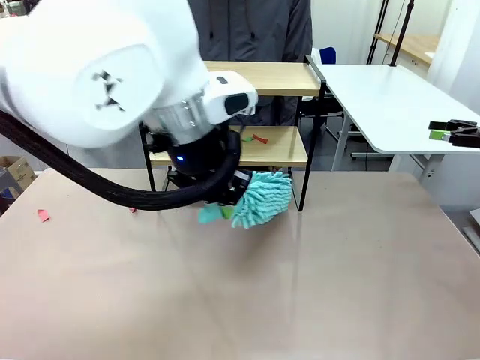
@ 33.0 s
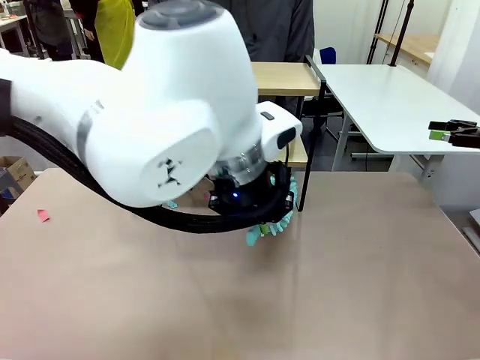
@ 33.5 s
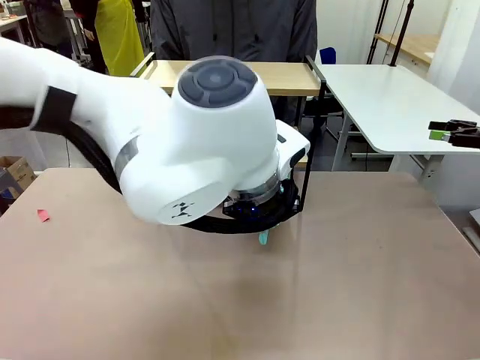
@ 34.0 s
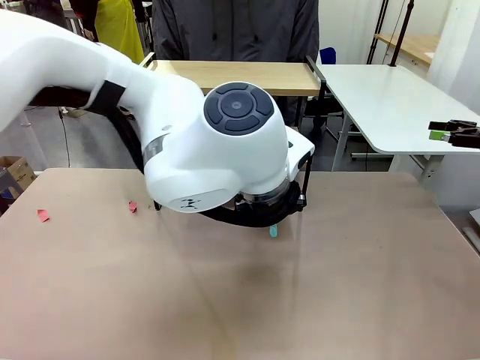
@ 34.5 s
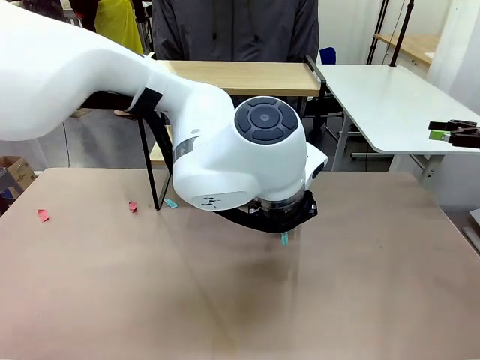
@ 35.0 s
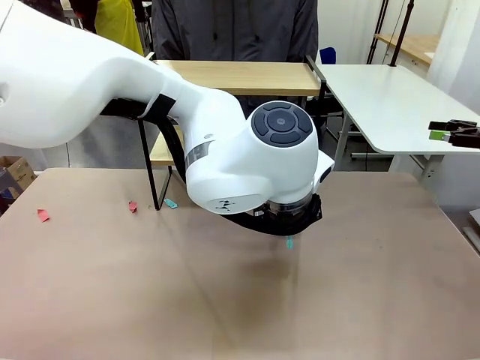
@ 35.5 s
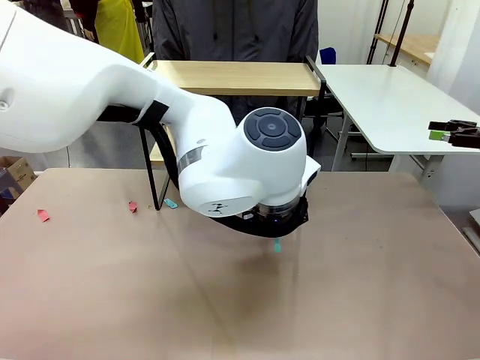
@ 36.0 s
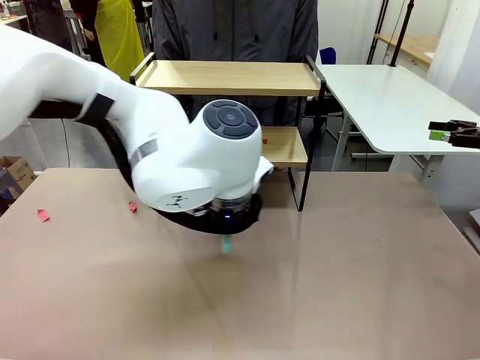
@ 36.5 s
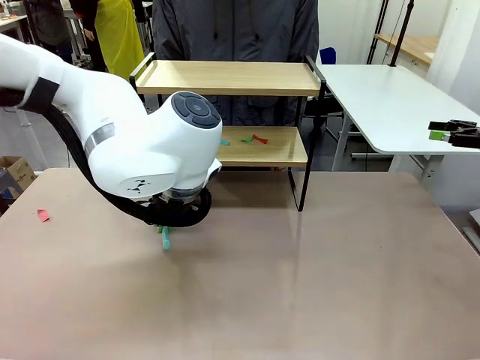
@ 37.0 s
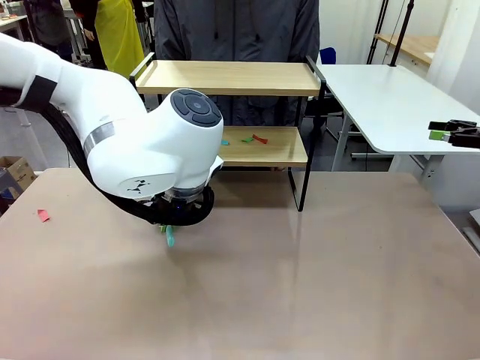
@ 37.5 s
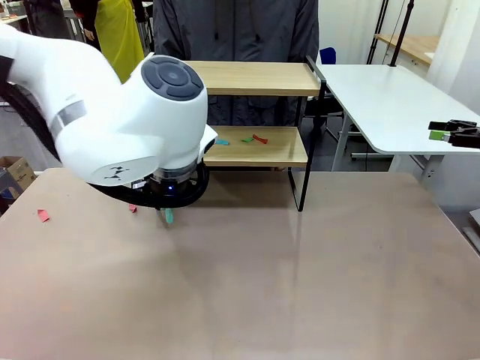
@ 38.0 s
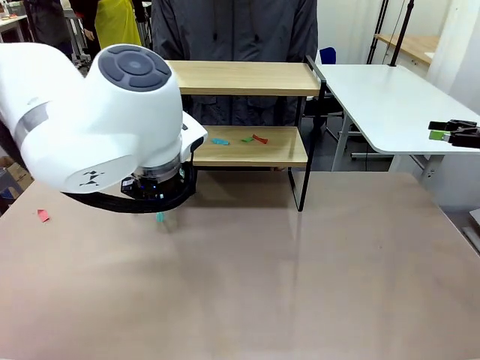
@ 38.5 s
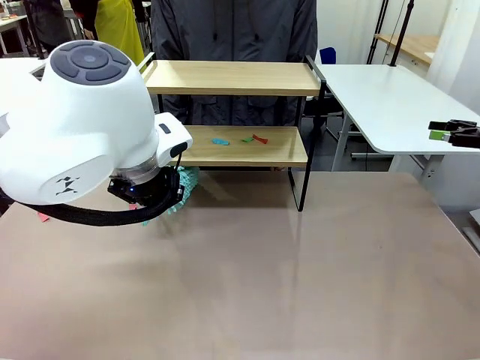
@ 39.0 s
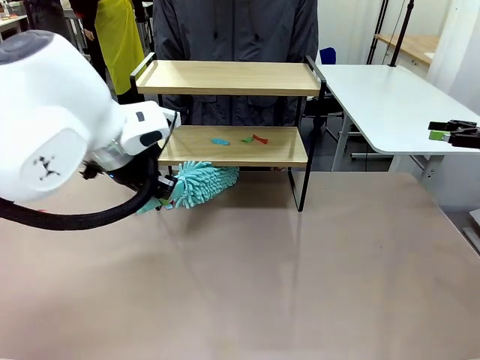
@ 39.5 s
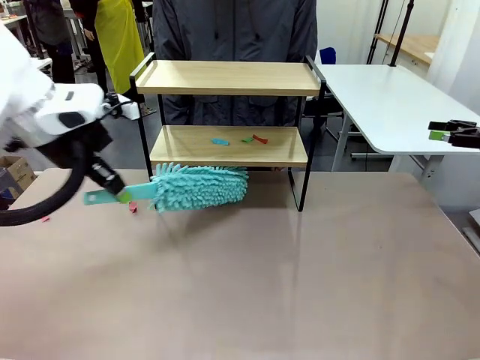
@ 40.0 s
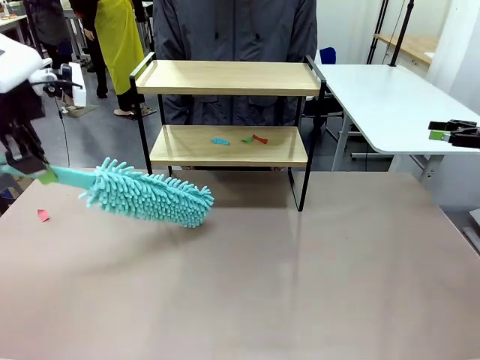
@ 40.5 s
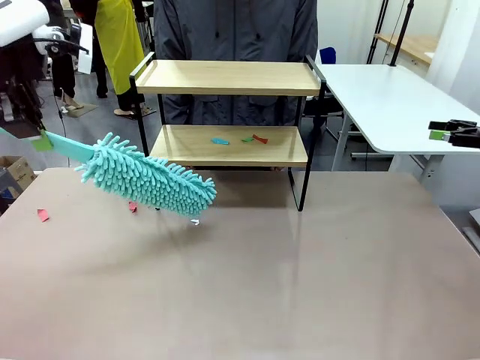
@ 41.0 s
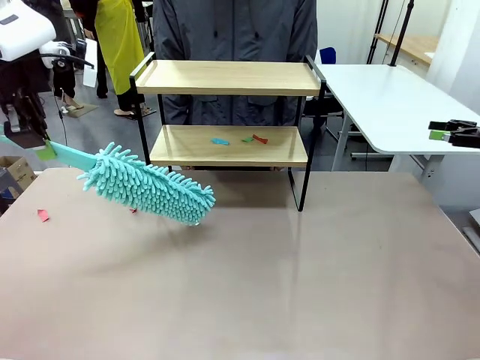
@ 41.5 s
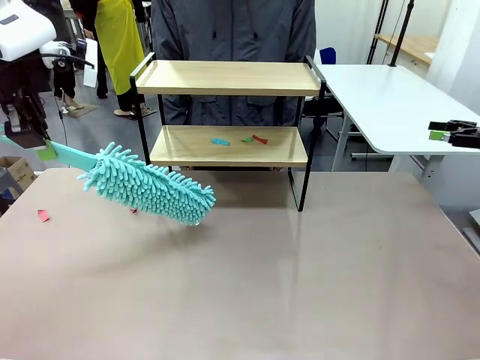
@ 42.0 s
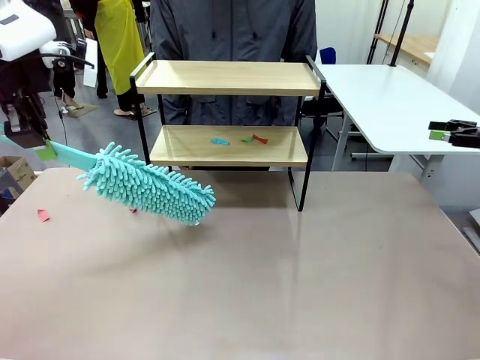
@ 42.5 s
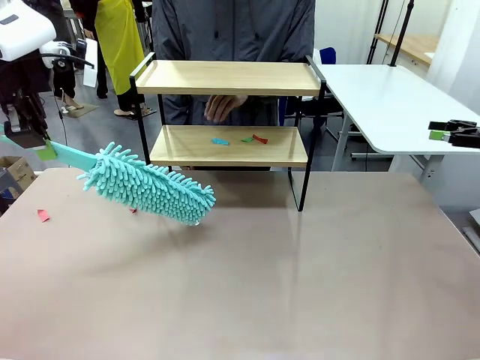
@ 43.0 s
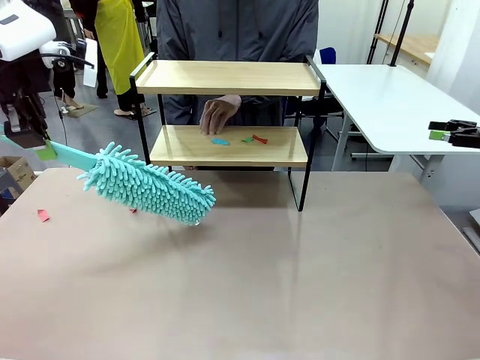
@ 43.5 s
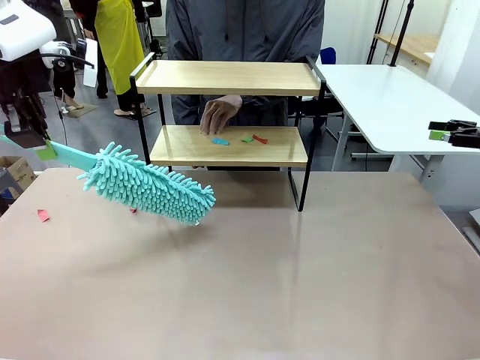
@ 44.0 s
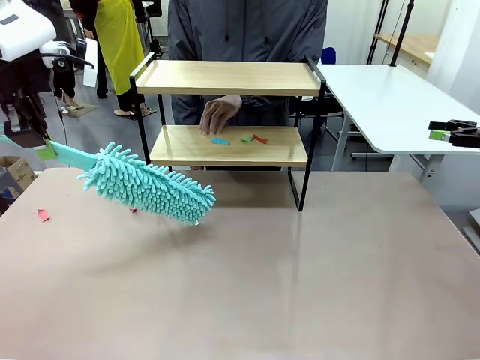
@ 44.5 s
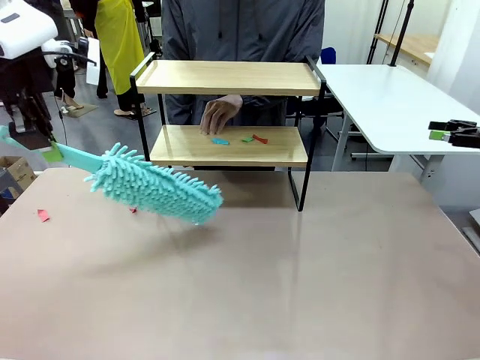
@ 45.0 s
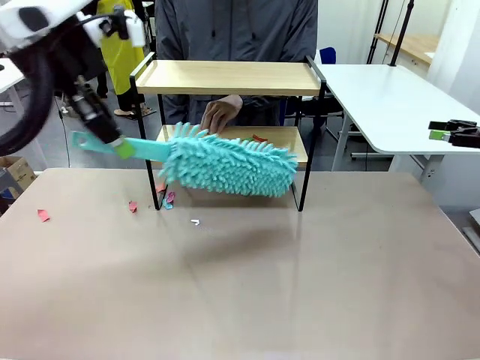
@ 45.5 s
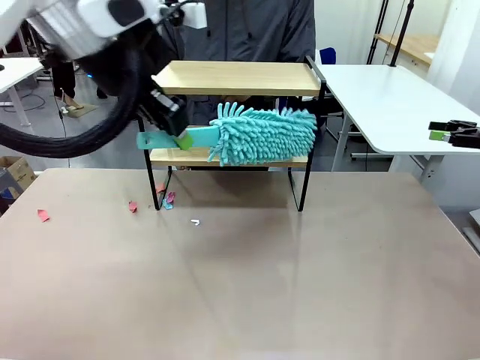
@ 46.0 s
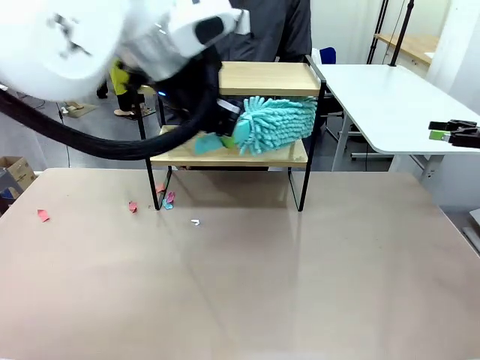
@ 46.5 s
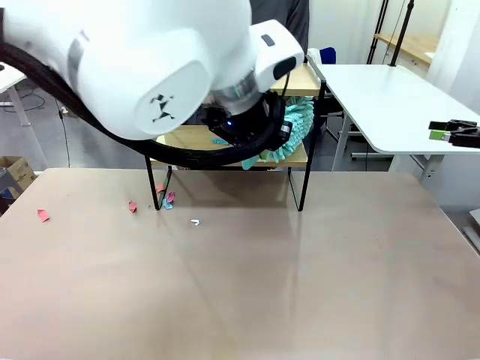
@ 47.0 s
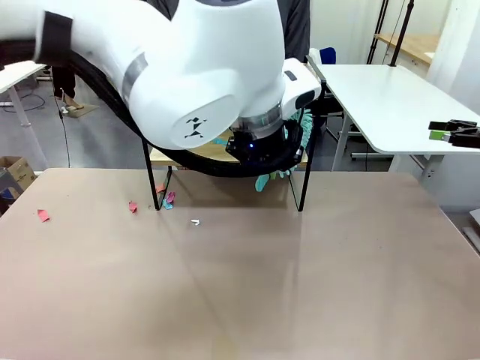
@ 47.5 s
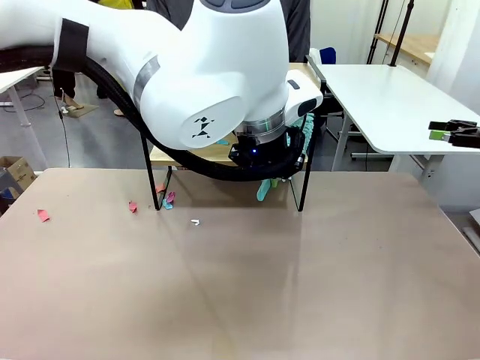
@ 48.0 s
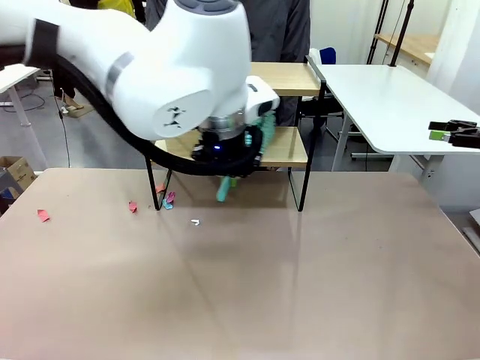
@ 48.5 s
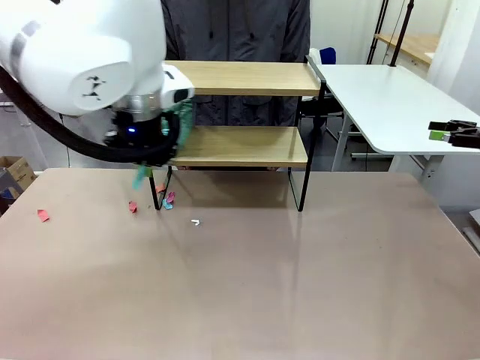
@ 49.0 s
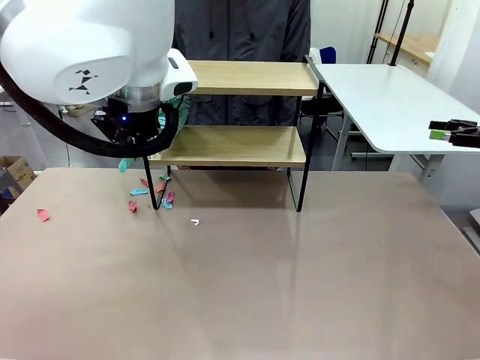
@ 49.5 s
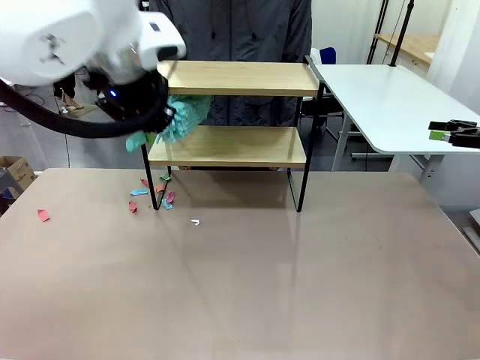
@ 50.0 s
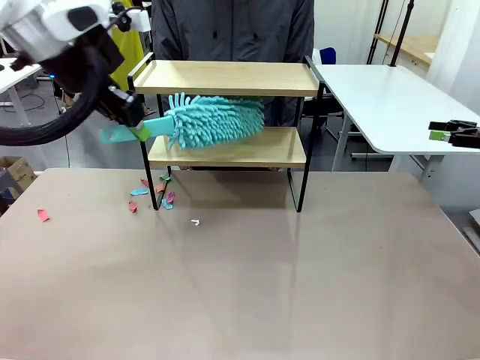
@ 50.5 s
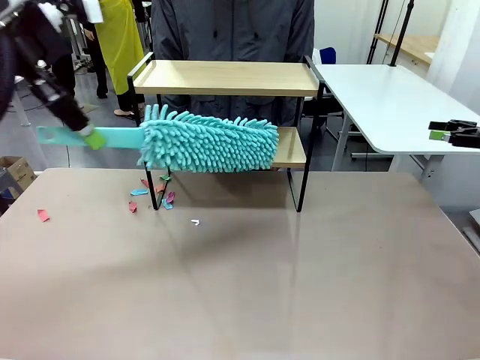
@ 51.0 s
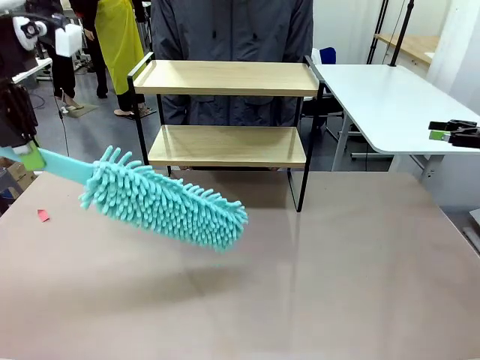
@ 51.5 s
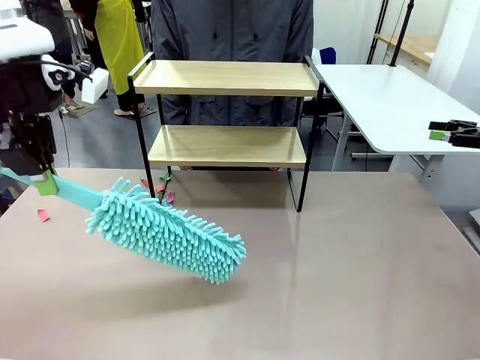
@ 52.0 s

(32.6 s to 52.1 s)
Task: Clean the shelf.
Robot: Clean the specific section of the Shelf indicated by the human with the Duster.
Person: Point a remaining section of the Shelf.
